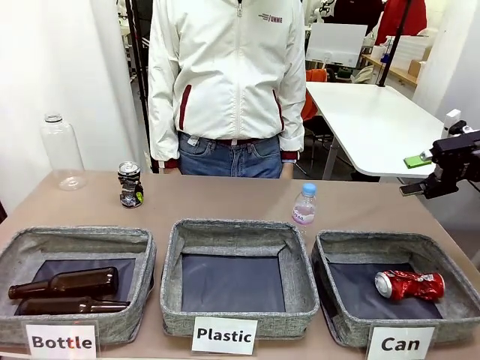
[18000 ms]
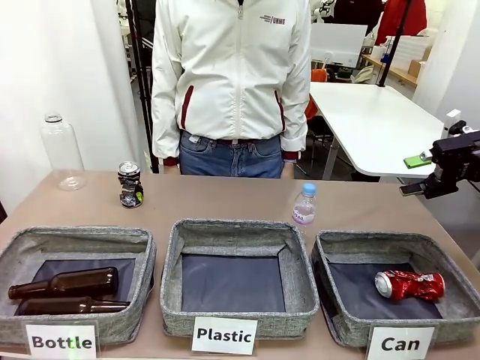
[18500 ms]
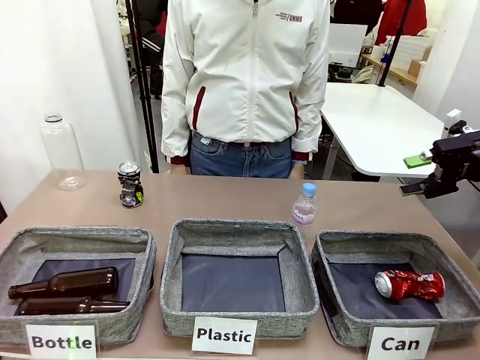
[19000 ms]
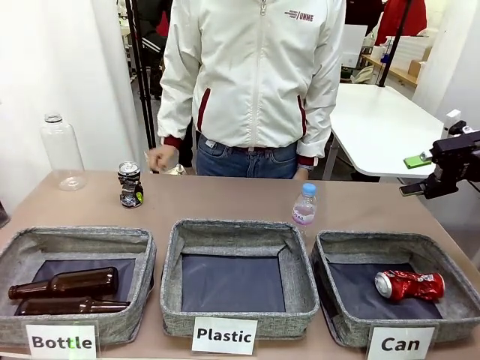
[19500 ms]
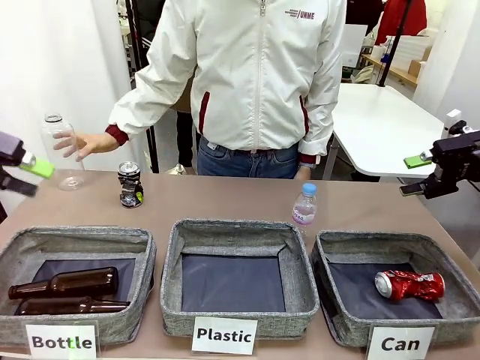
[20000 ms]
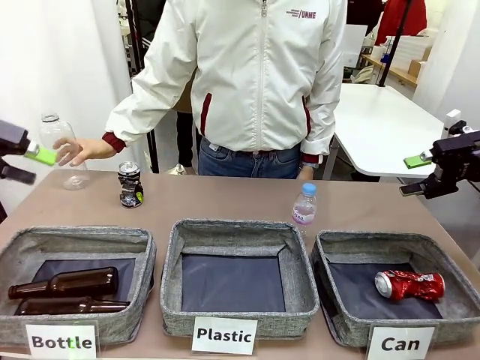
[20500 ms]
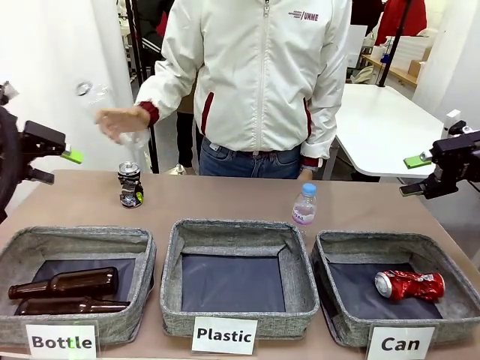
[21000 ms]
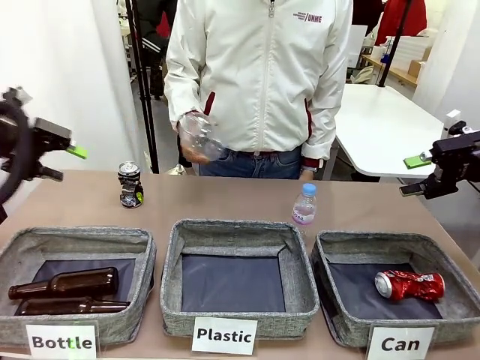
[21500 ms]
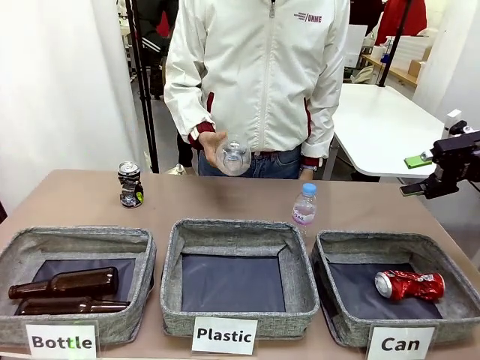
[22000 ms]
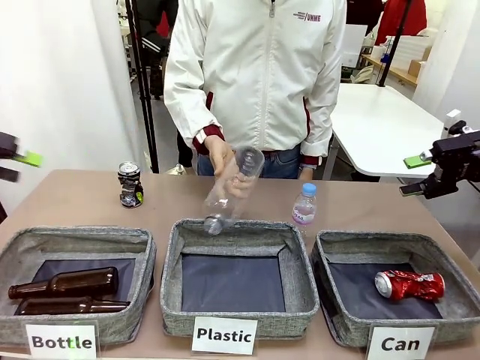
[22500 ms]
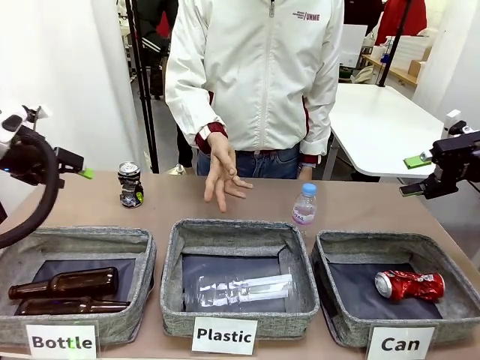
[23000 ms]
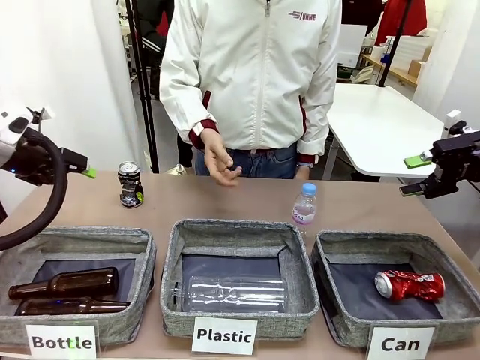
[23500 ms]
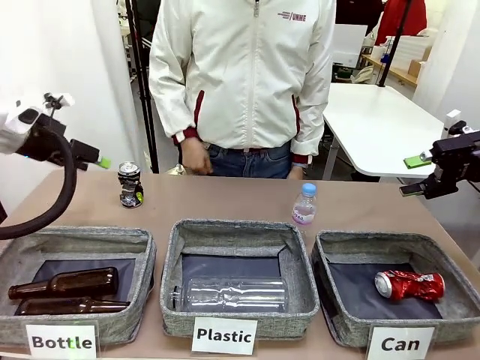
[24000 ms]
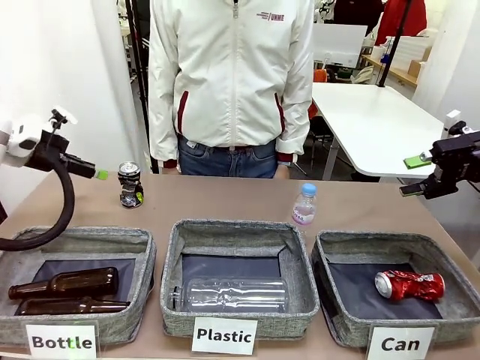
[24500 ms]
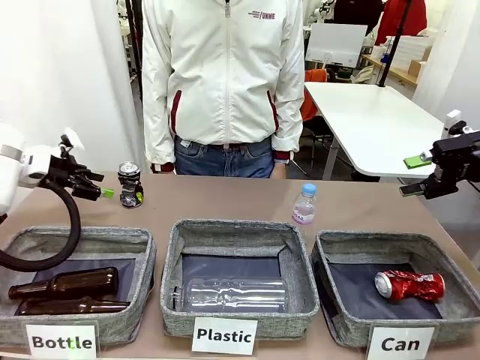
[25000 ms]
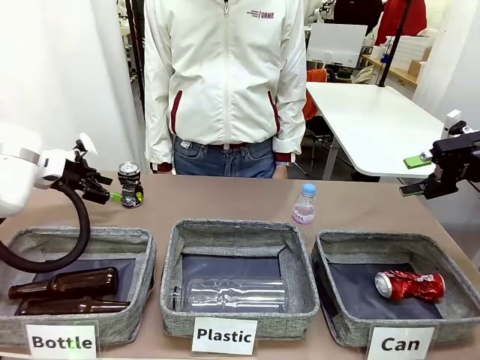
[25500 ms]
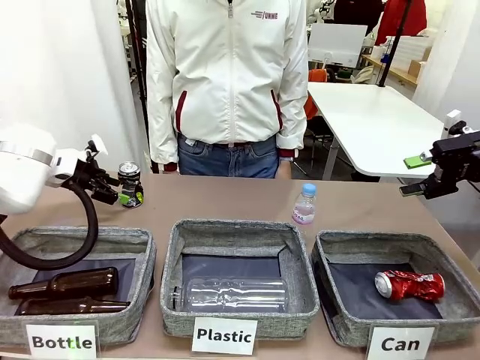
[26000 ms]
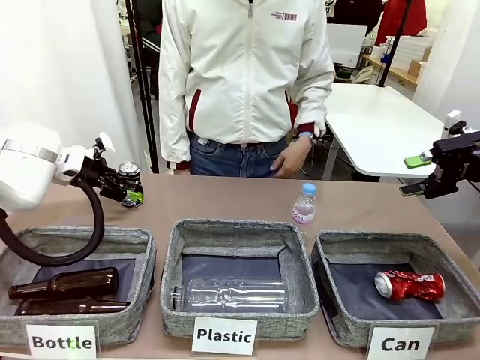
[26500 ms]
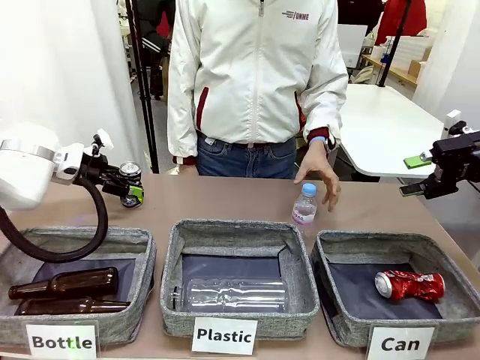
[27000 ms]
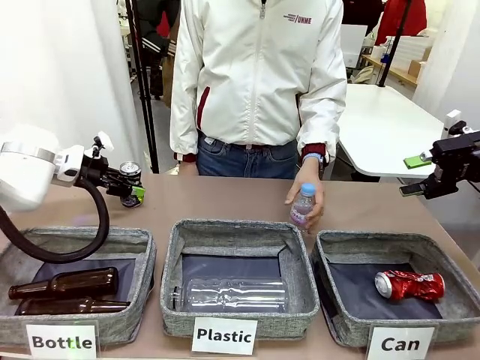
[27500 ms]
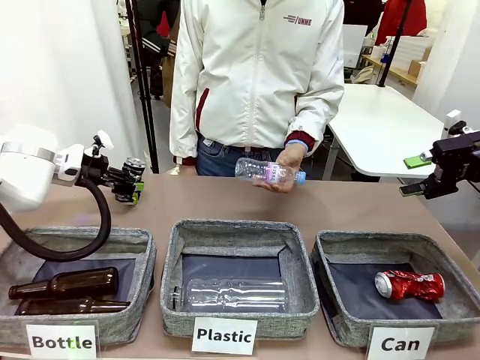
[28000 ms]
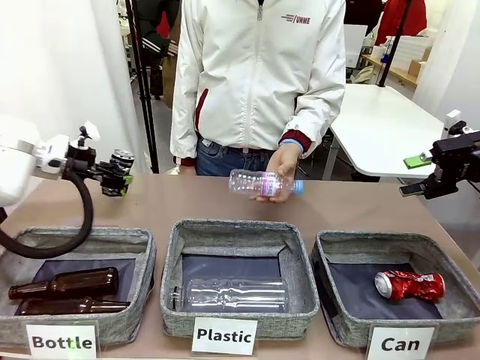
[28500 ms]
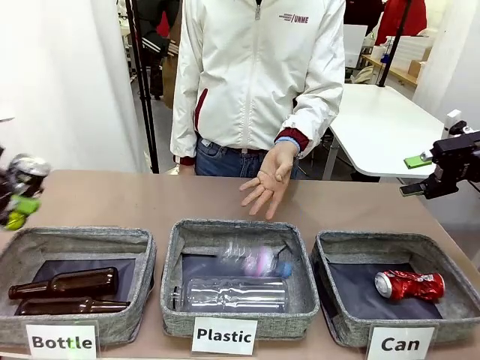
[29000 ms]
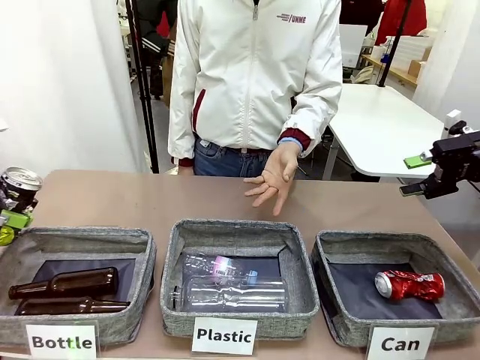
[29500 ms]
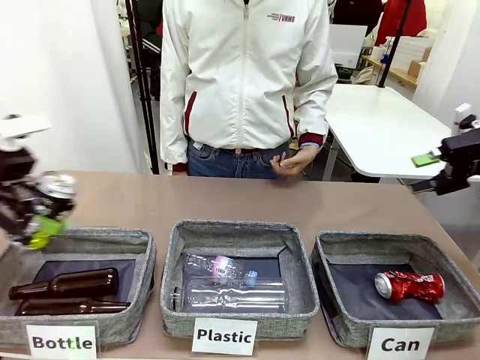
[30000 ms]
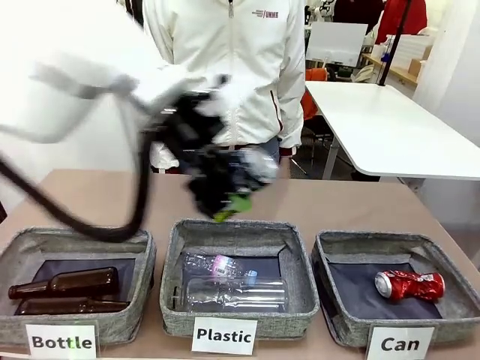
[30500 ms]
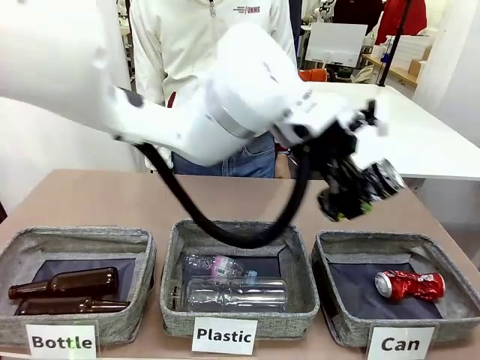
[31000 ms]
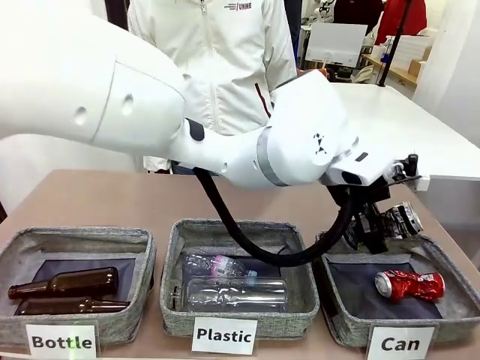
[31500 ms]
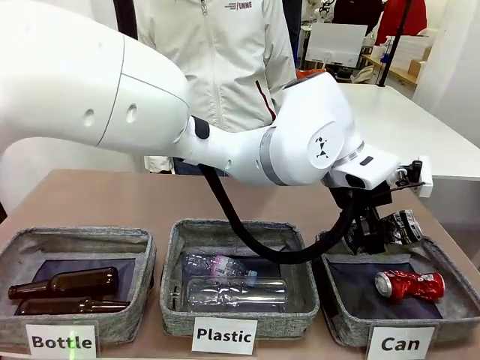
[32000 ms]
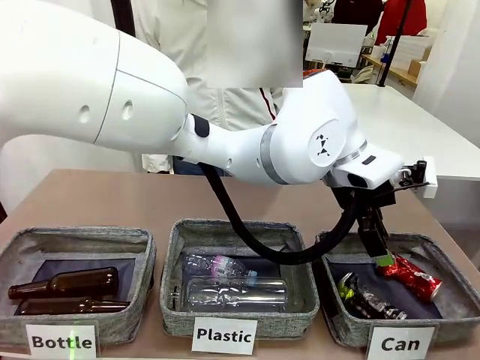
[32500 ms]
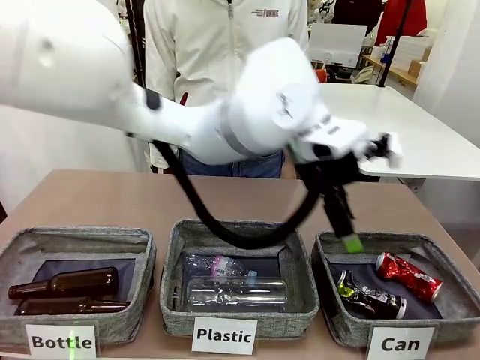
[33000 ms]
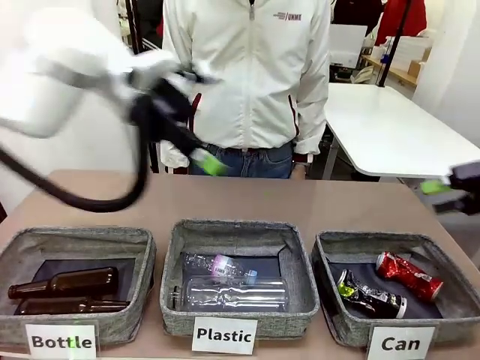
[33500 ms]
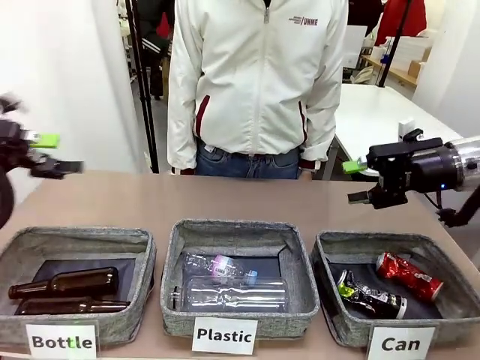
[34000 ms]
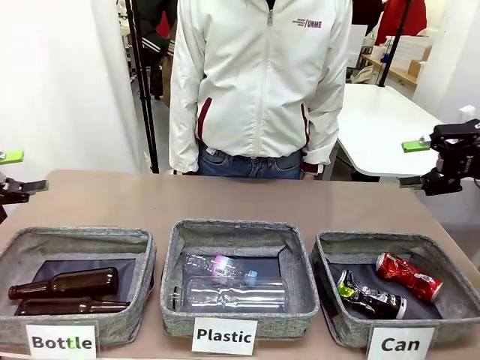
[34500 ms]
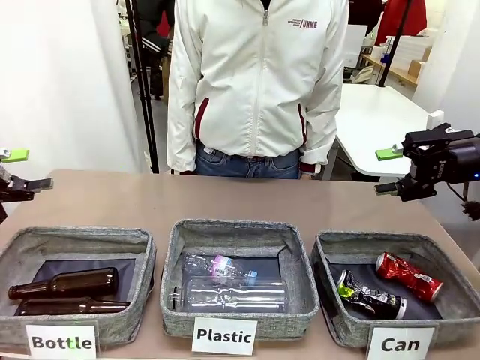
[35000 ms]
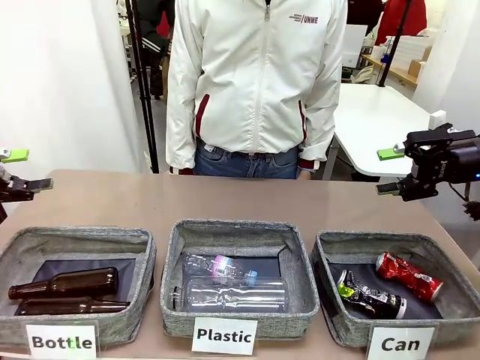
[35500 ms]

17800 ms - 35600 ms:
Task: Sort the can waste into the basket.
Robot: Pick up the can waste from the table and place it in the right Fabric basket.
